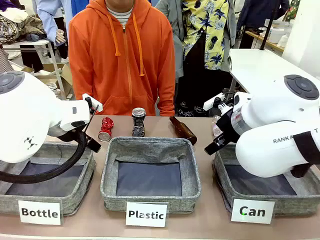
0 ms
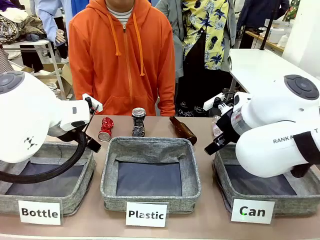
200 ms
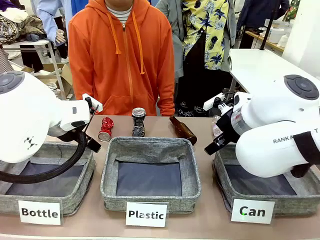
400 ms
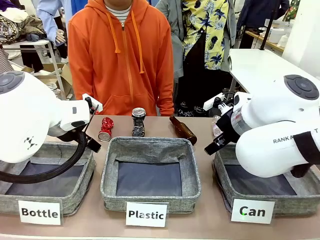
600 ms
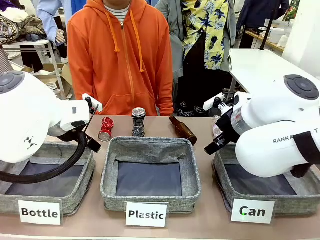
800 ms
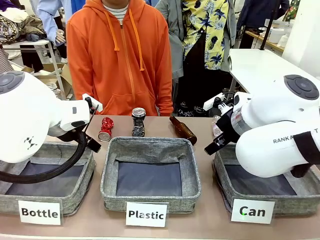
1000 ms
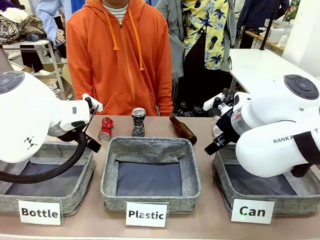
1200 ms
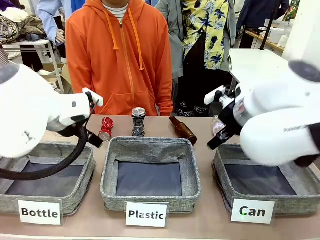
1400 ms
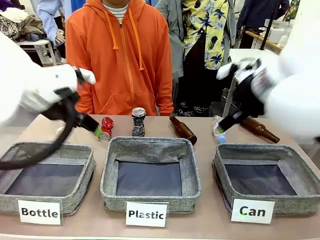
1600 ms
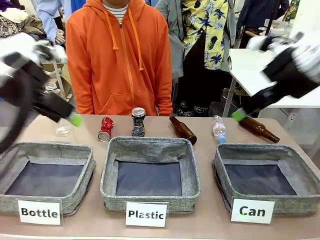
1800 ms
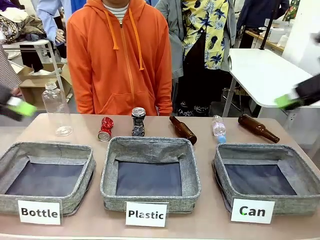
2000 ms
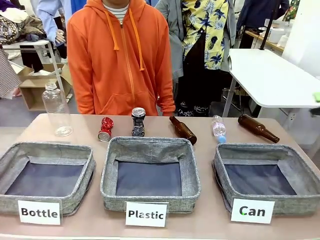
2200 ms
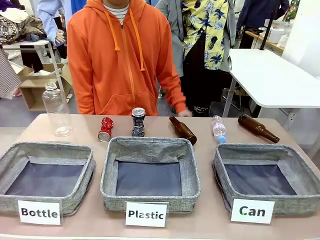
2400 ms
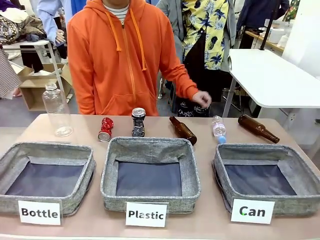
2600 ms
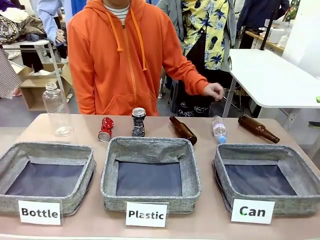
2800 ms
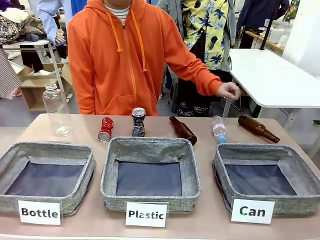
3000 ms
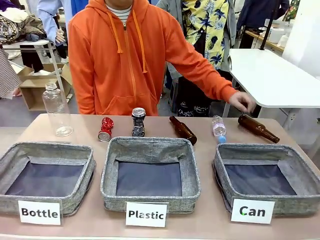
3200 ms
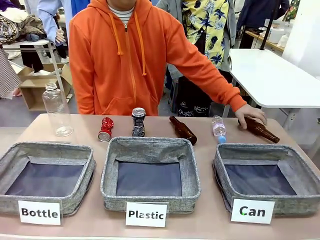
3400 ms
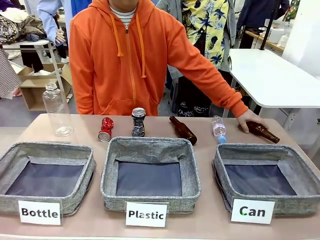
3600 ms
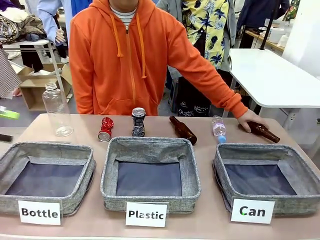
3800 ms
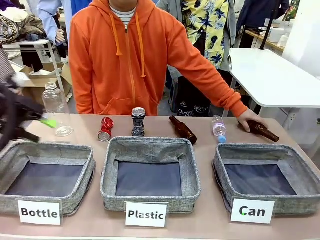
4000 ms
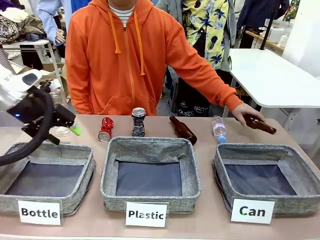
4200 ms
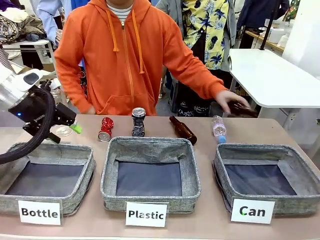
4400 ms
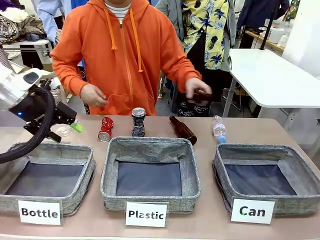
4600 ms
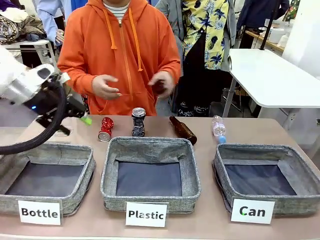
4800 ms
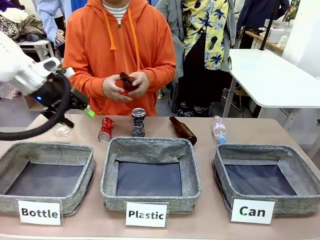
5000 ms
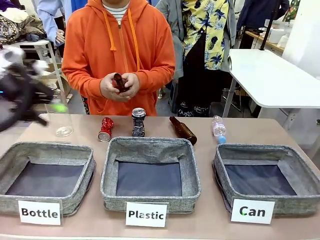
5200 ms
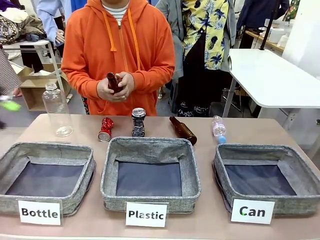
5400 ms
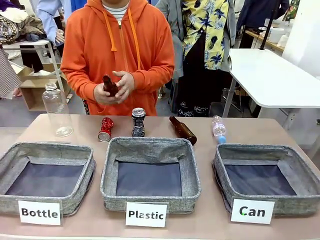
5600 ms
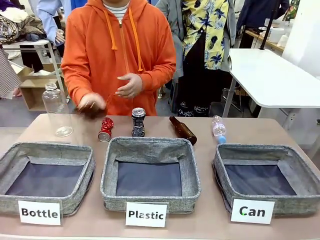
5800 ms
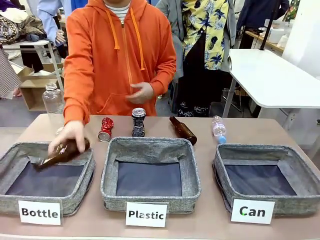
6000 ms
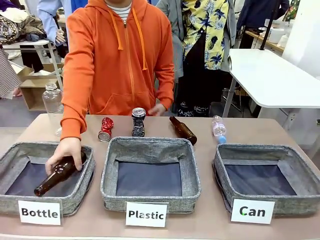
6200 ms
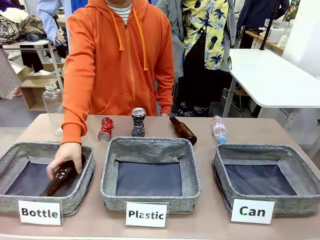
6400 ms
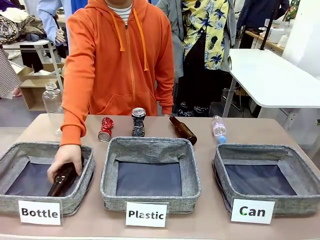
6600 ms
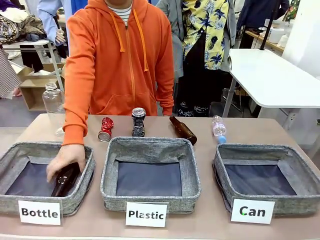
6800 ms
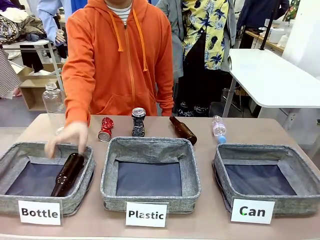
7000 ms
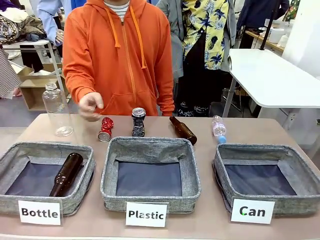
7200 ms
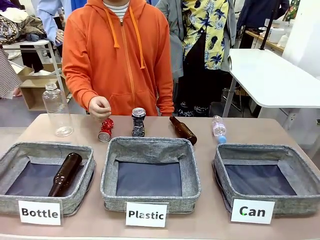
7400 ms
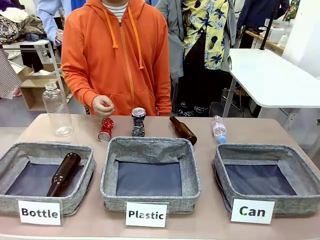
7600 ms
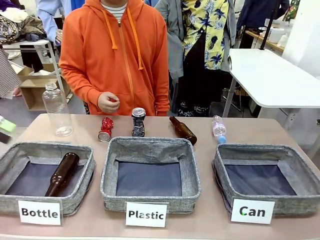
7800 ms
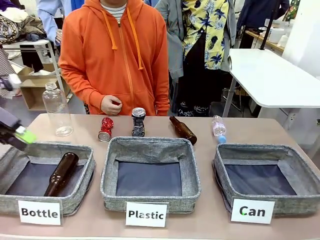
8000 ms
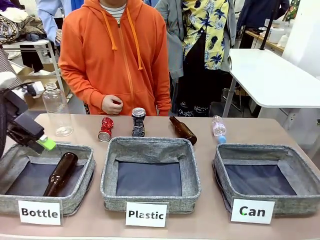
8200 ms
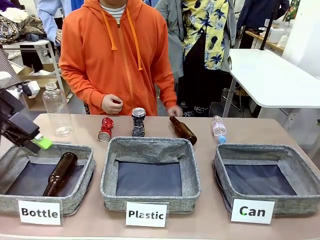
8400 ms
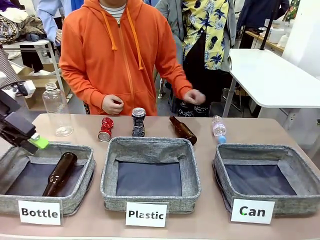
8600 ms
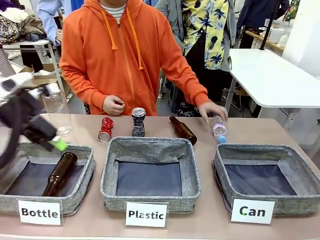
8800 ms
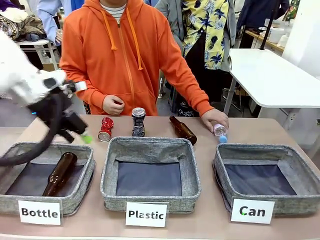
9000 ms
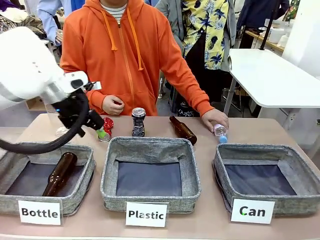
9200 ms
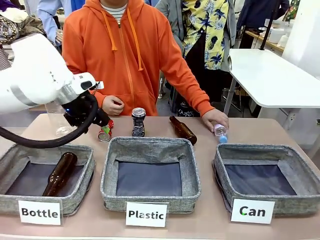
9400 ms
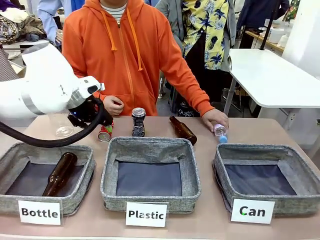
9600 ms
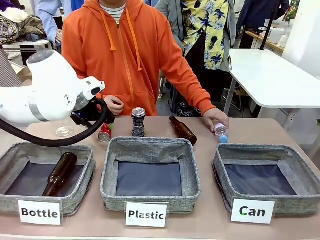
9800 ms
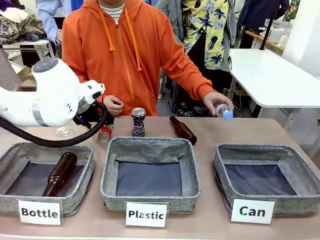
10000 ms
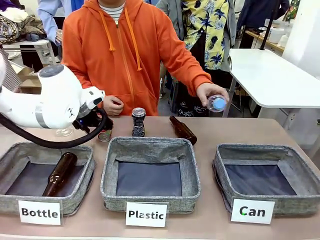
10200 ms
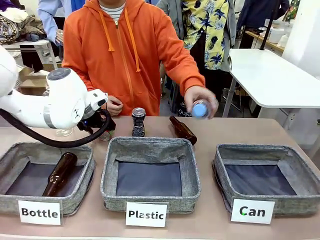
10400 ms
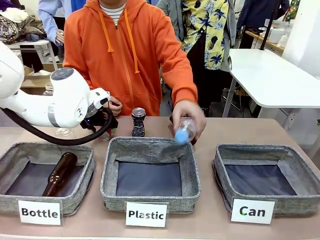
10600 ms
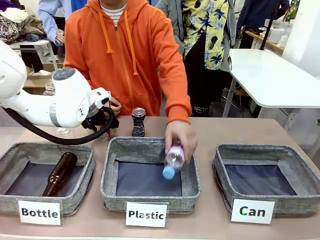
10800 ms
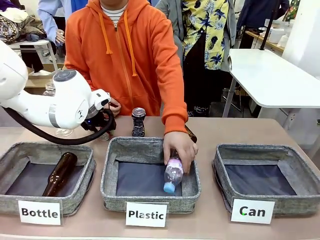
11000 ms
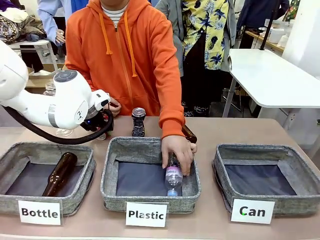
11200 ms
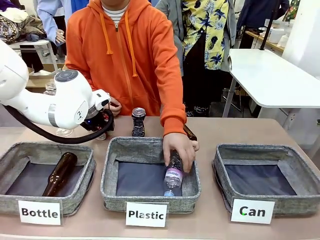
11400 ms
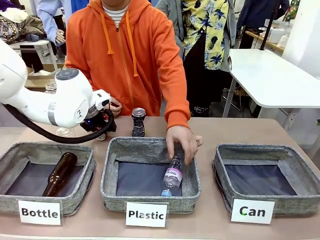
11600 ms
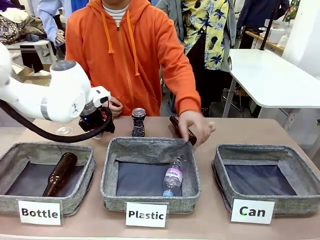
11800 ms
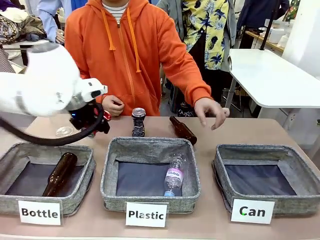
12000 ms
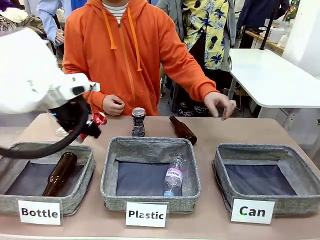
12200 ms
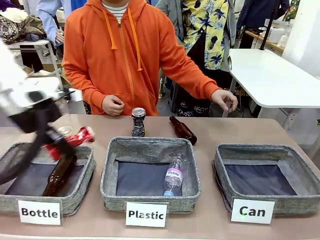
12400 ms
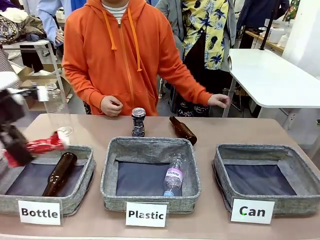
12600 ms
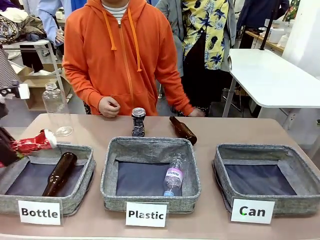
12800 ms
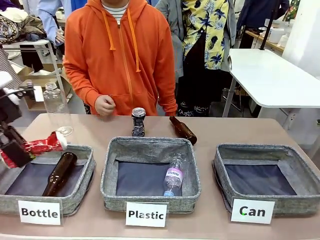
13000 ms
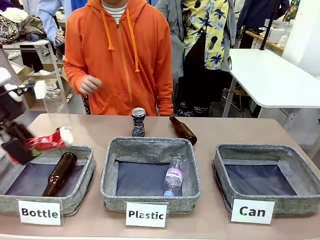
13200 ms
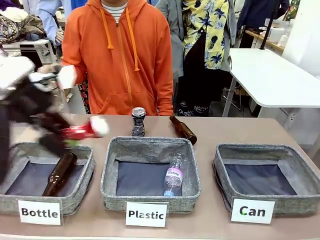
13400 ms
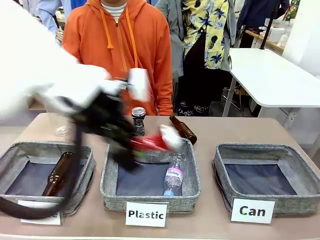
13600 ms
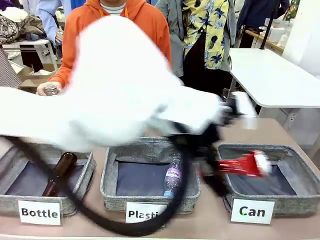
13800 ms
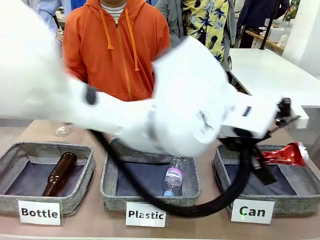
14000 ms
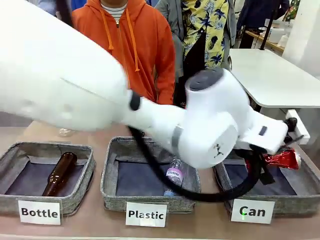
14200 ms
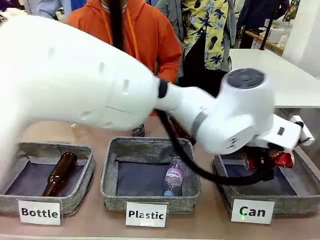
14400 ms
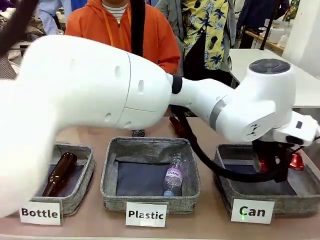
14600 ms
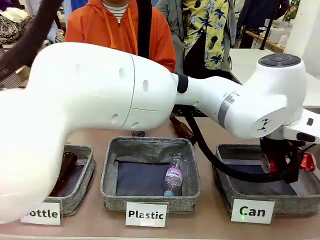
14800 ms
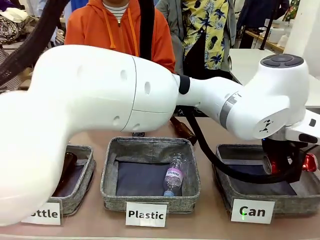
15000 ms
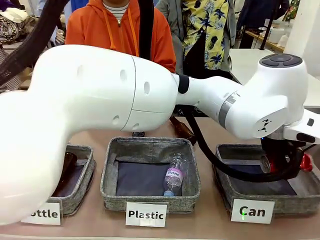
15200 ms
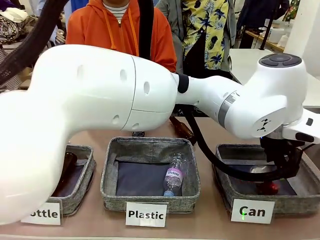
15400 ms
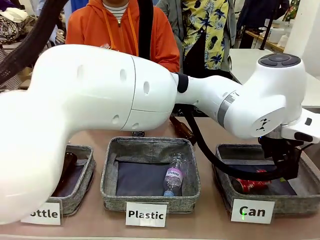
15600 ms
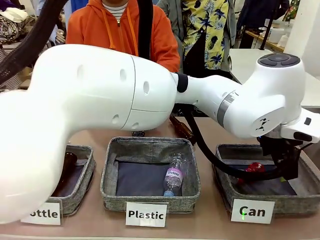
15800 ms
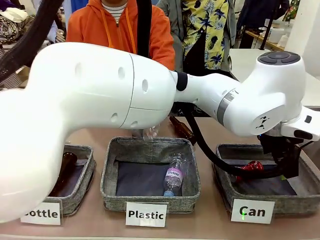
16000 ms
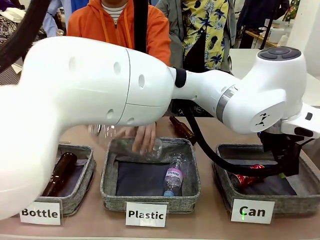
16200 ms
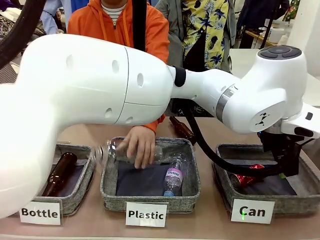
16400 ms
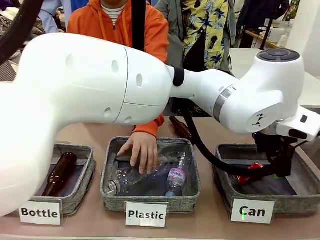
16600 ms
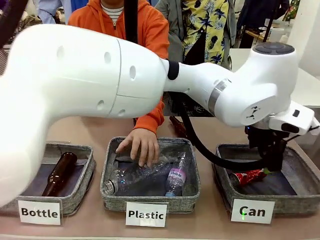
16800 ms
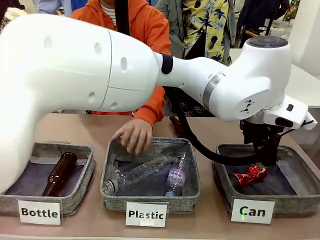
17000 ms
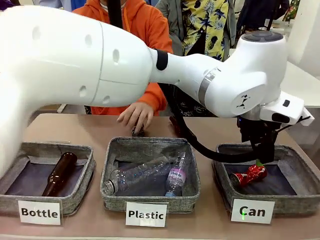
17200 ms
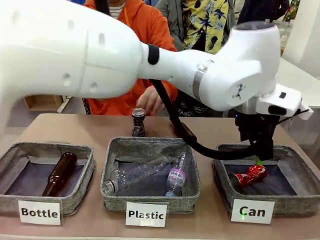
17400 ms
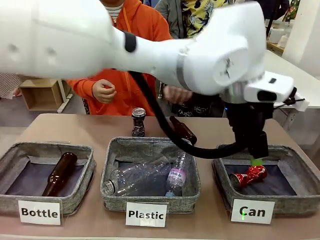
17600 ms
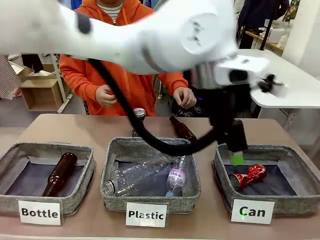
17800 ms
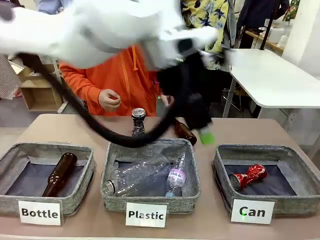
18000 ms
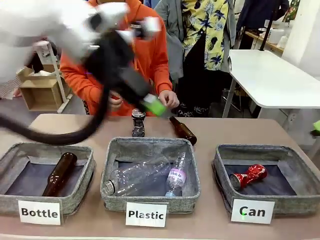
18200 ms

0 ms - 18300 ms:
Task: Sort the can waste into the basket.
Robot: Pick up the can waste from the table and place it in the right Fabric basket.
